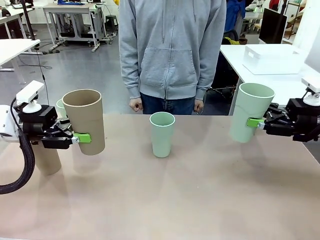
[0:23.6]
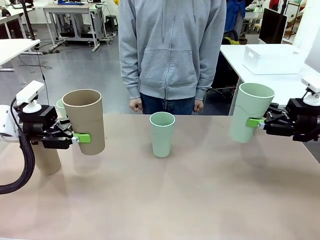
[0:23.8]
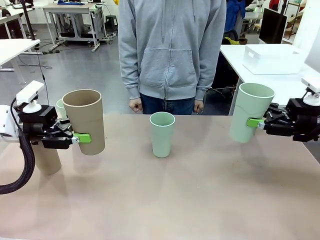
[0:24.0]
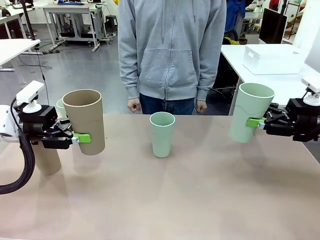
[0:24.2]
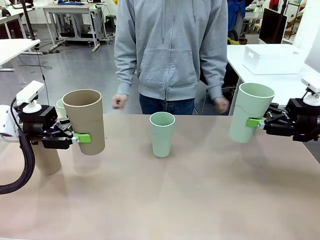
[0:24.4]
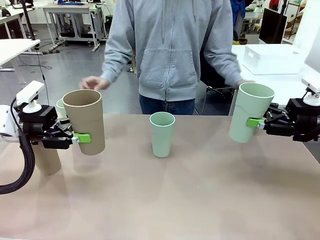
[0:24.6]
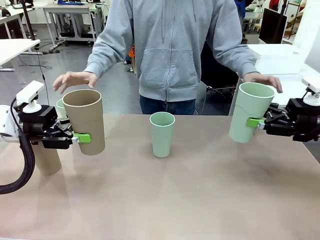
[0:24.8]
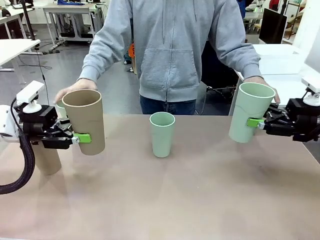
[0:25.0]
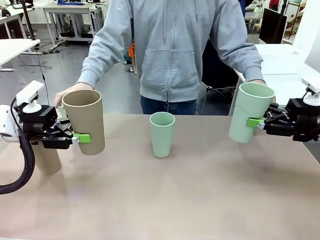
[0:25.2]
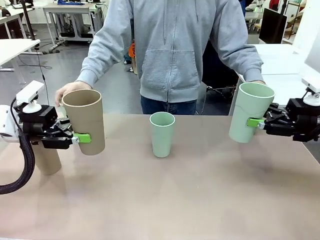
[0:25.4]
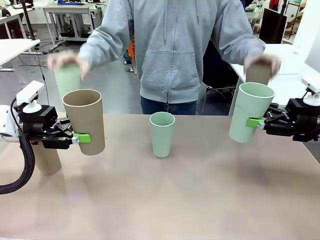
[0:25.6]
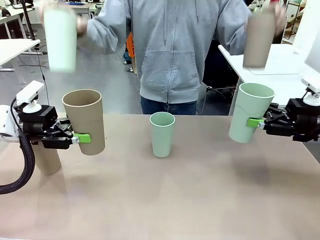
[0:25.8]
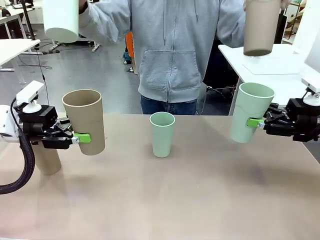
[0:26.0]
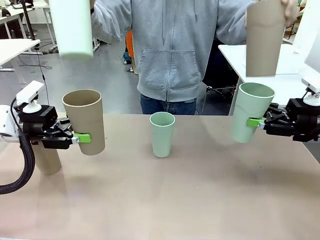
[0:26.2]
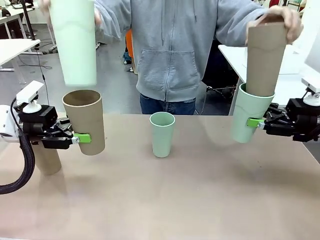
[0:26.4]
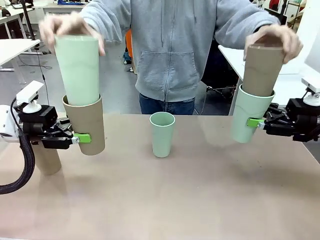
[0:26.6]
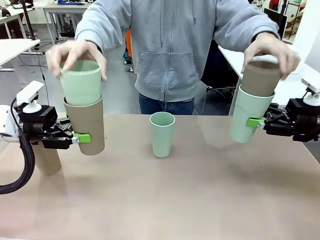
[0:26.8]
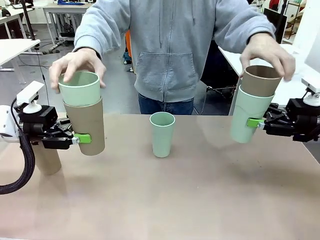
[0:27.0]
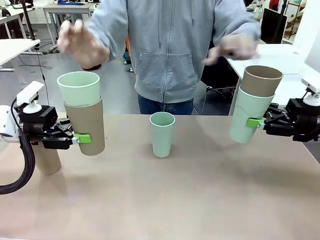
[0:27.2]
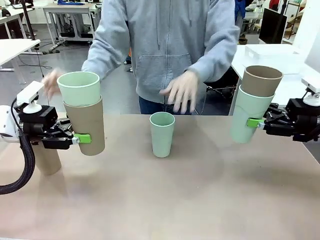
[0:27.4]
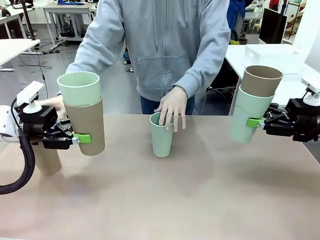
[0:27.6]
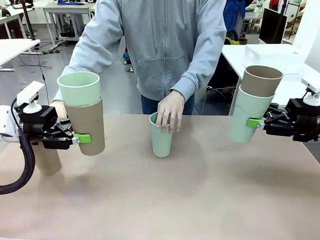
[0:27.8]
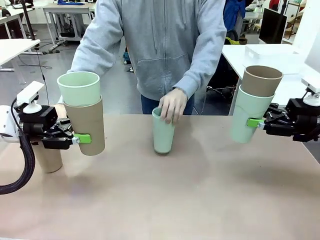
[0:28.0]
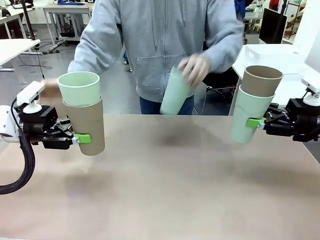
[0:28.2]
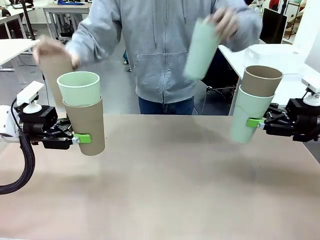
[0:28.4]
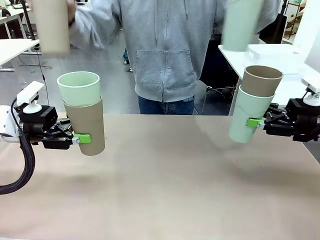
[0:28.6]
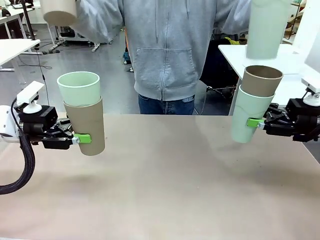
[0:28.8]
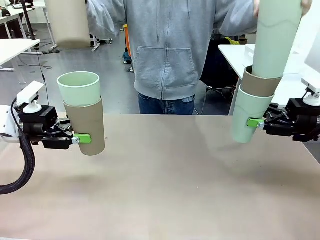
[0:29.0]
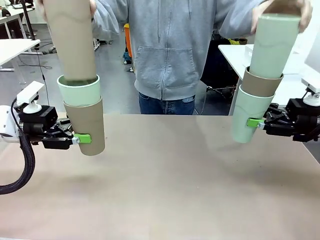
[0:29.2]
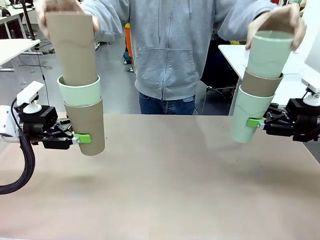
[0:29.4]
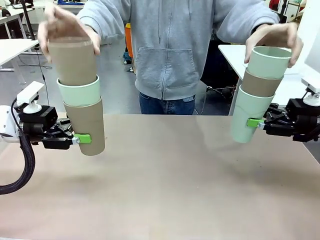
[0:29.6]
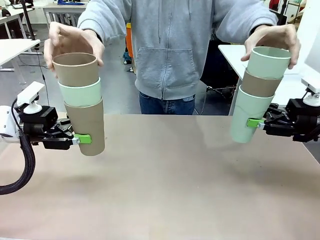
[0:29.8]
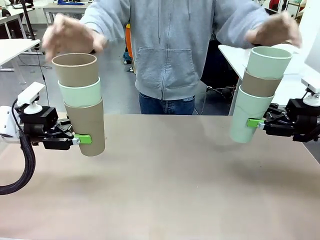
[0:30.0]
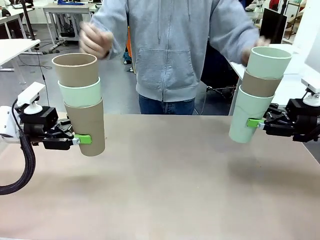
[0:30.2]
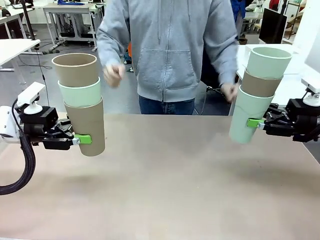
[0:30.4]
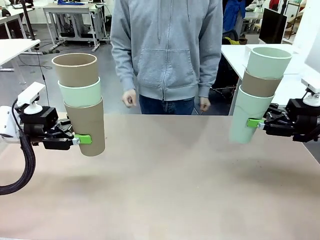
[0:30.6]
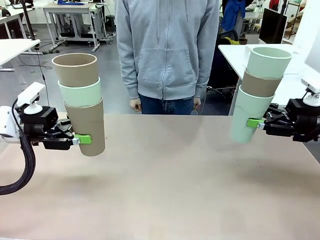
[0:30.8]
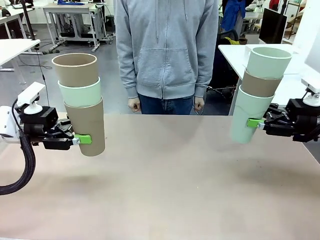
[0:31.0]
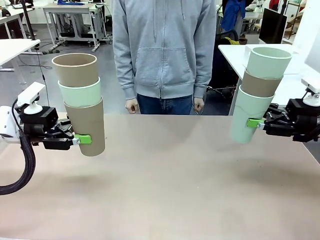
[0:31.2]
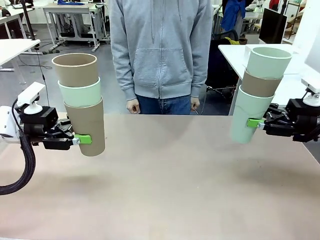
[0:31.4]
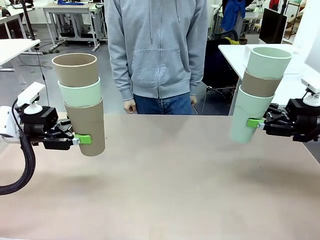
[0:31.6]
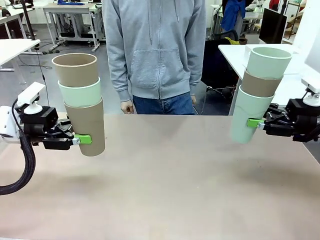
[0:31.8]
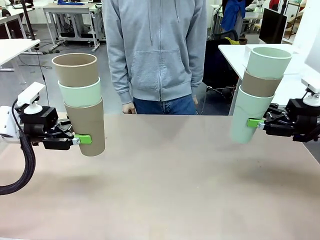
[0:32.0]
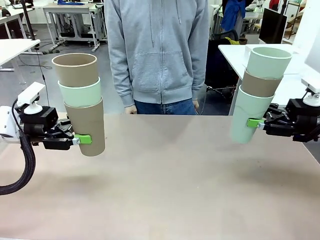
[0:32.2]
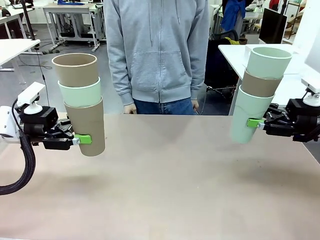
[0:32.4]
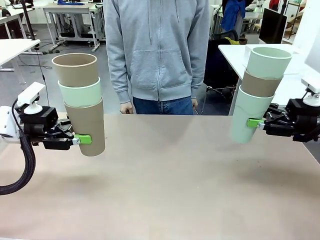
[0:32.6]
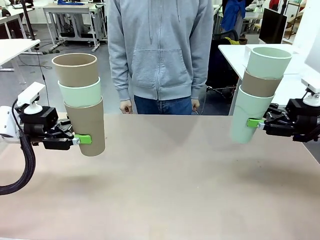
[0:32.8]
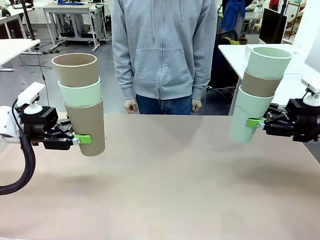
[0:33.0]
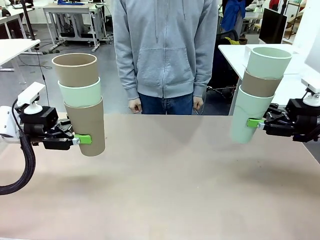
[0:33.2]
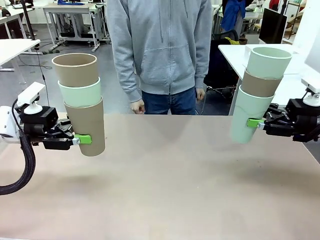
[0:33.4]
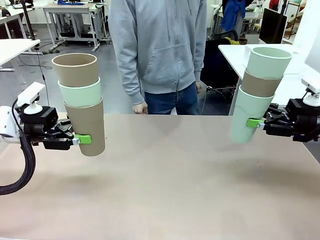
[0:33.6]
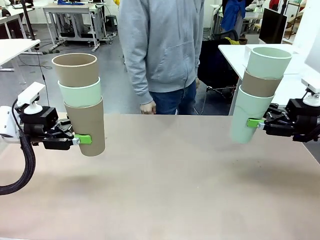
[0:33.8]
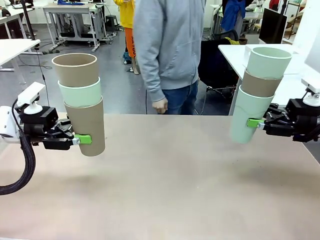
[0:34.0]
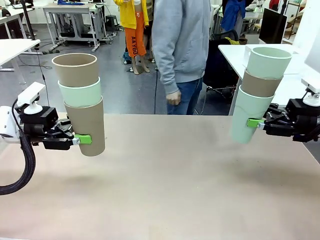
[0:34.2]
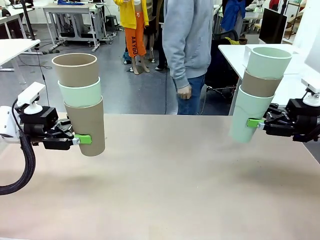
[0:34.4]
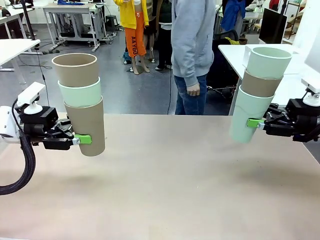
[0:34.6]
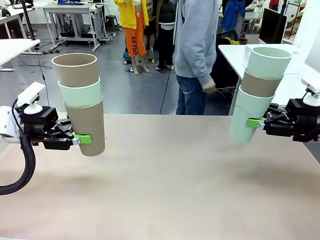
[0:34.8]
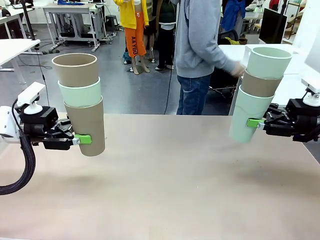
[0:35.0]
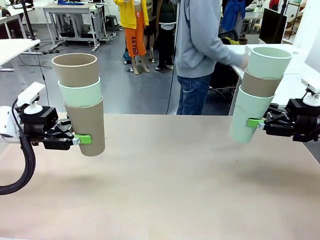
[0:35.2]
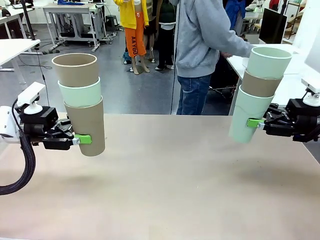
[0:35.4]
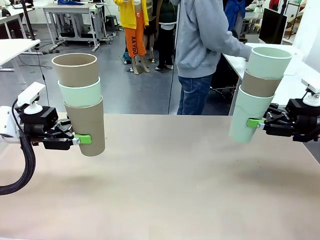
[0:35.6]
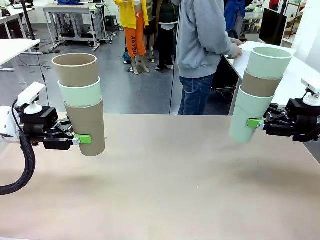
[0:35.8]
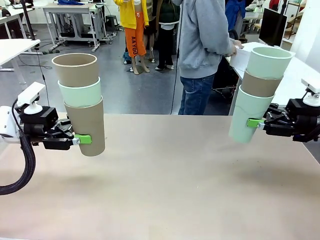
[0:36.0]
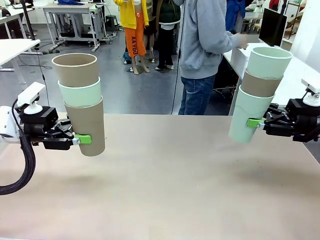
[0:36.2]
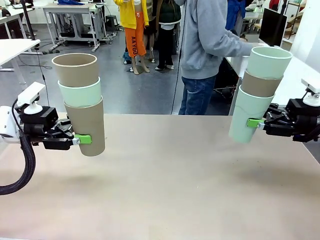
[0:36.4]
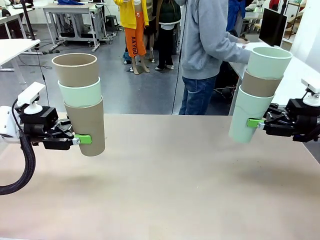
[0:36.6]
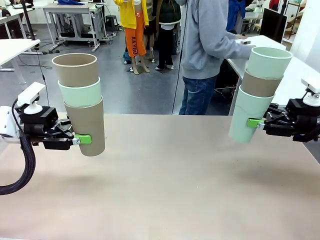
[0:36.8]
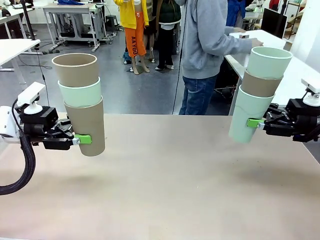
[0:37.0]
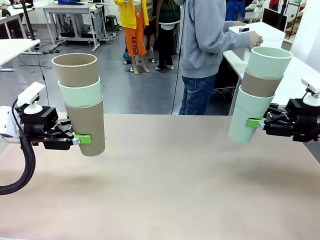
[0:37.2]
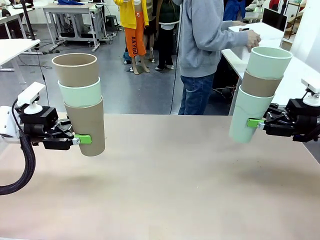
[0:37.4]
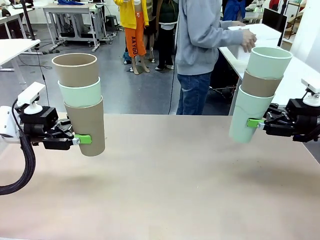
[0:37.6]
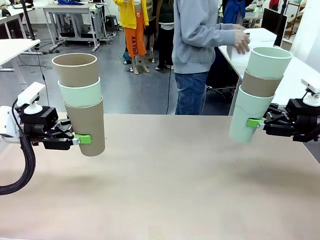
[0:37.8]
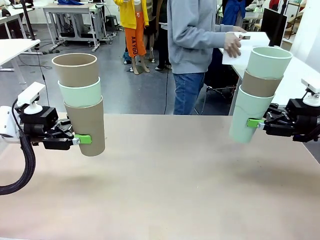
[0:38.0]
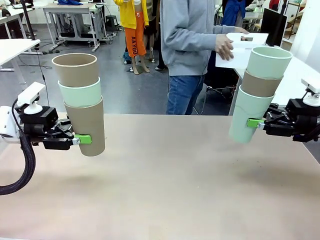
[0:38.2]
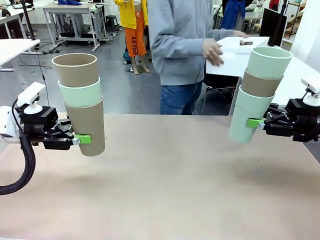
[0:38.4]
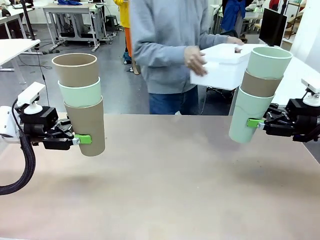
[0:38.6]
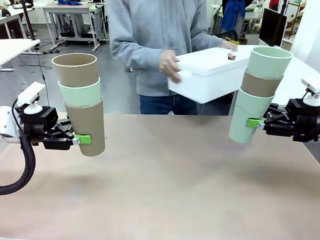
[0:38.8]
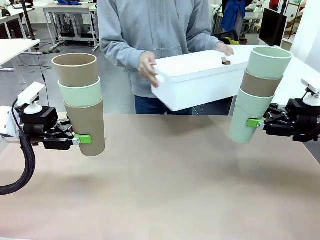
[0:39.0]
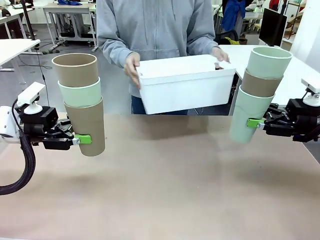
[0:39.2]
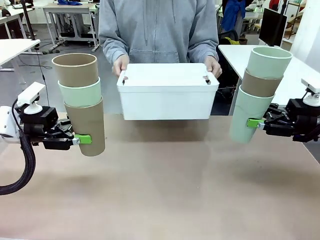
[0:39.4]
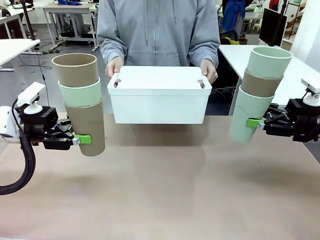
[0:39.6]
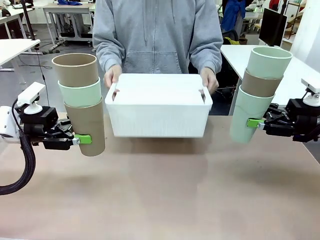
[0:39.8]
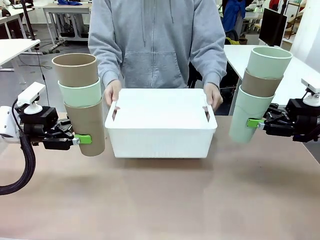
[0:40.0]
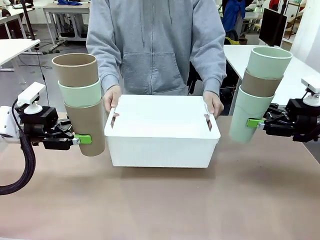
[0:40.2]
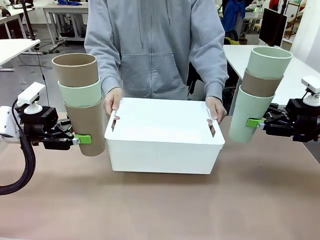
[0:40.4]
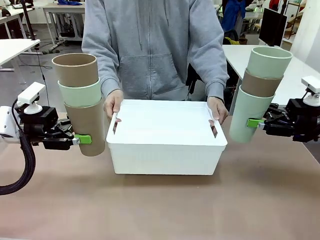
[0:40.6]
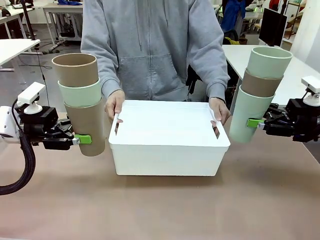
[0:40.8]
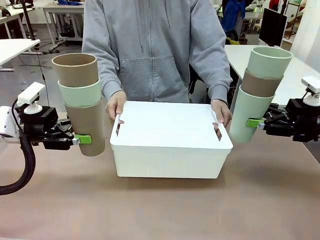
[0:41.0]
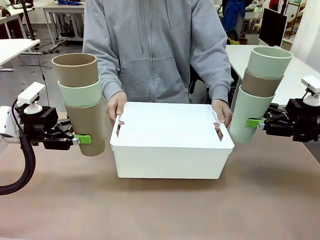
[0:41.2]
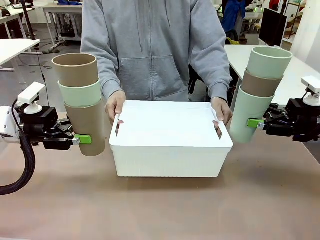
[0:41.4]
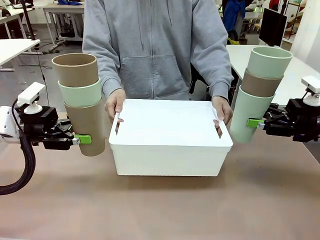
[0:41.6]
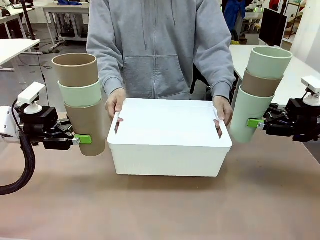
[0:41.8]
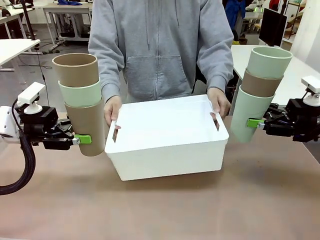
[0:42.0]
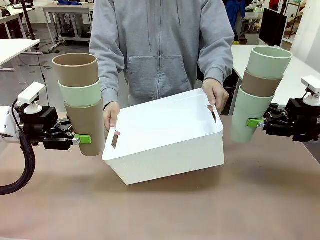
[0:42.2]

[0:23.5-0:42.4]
Task: Stack the cups and store them in the basket.
Robot: Place the stack of Reusable plastic cups into the Pantry Basket.
Person: Pick up the basket from the Human Table, bring it to the front of the robot, and present it.
